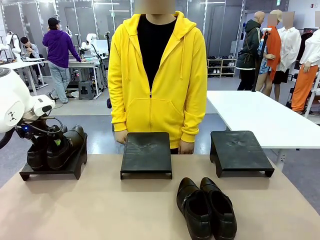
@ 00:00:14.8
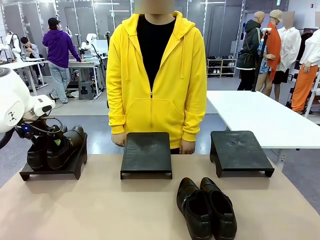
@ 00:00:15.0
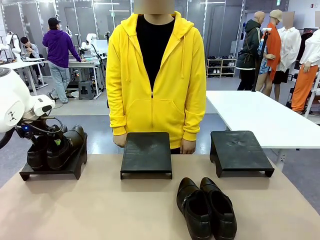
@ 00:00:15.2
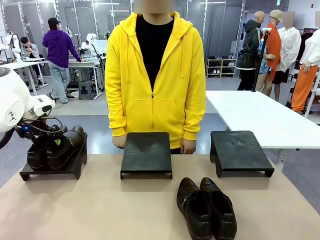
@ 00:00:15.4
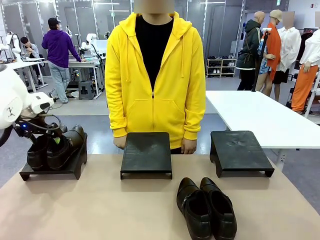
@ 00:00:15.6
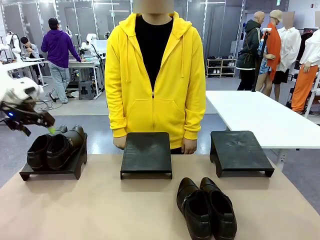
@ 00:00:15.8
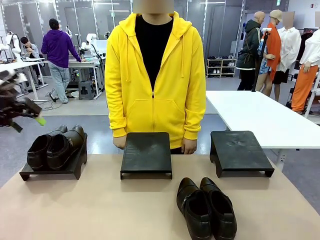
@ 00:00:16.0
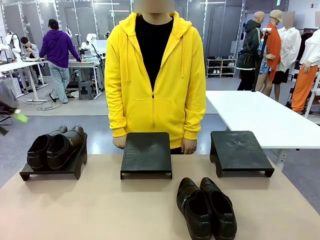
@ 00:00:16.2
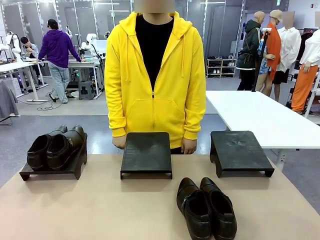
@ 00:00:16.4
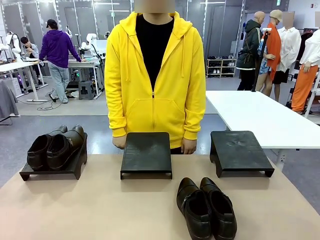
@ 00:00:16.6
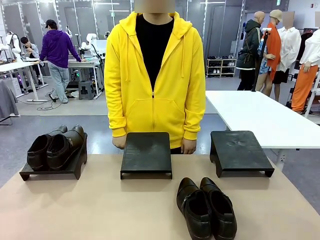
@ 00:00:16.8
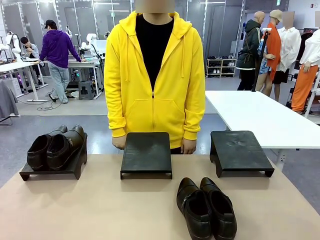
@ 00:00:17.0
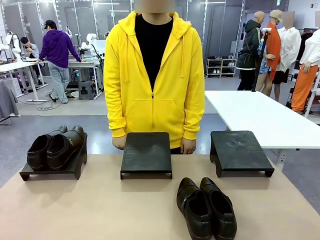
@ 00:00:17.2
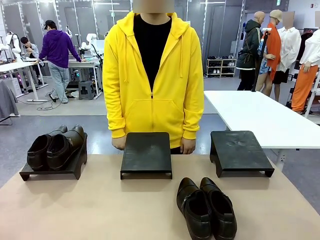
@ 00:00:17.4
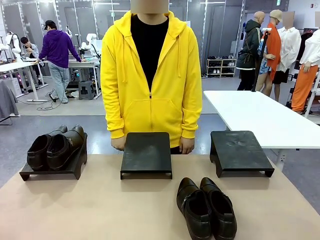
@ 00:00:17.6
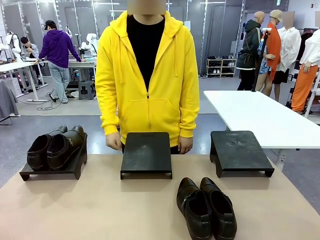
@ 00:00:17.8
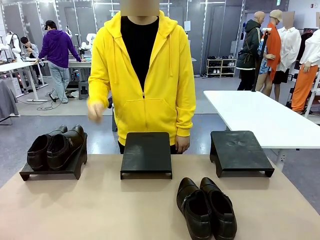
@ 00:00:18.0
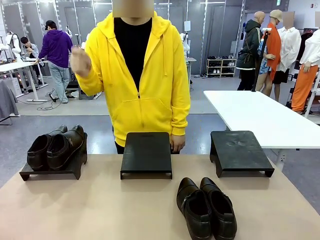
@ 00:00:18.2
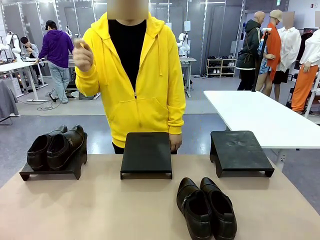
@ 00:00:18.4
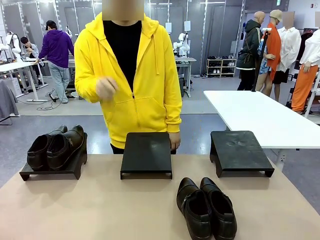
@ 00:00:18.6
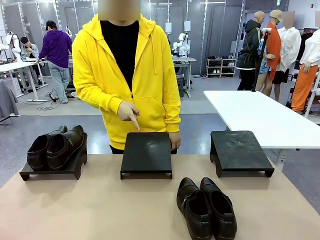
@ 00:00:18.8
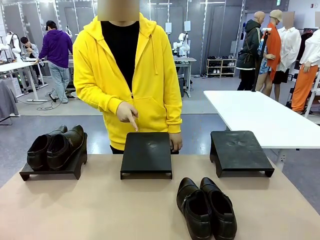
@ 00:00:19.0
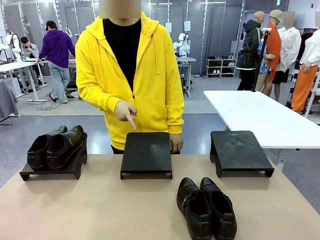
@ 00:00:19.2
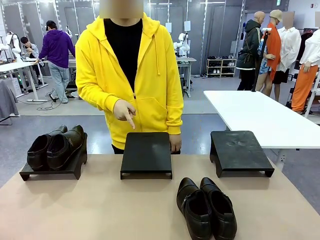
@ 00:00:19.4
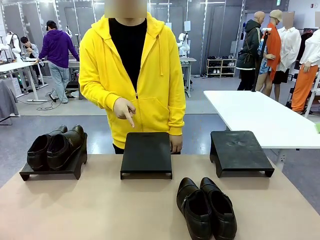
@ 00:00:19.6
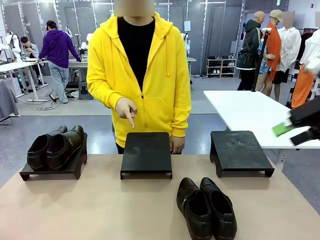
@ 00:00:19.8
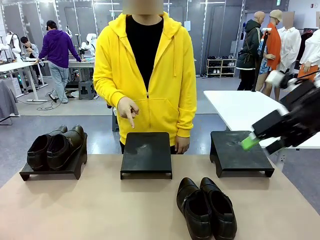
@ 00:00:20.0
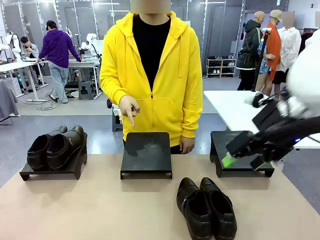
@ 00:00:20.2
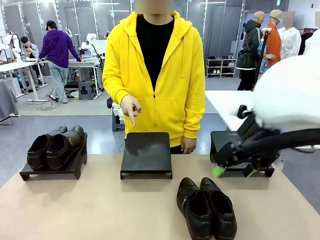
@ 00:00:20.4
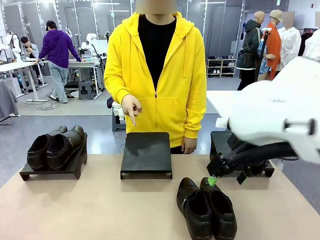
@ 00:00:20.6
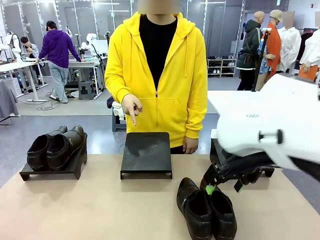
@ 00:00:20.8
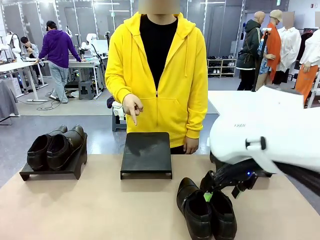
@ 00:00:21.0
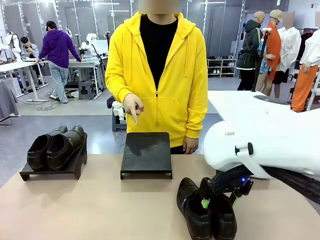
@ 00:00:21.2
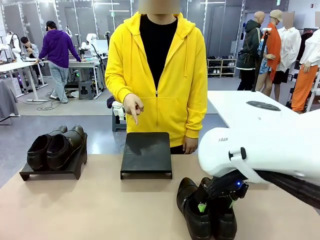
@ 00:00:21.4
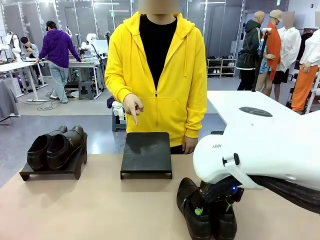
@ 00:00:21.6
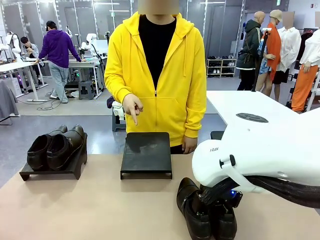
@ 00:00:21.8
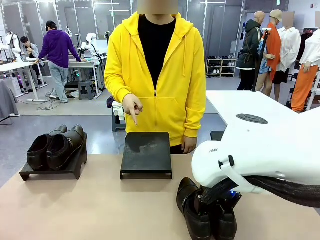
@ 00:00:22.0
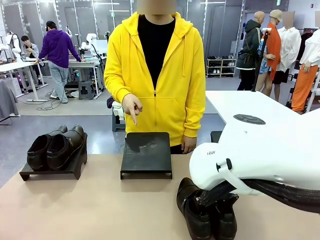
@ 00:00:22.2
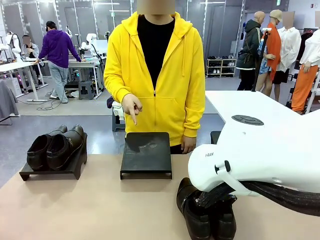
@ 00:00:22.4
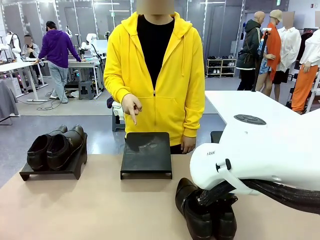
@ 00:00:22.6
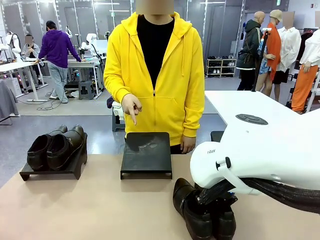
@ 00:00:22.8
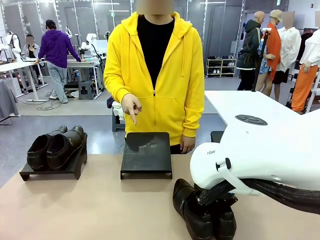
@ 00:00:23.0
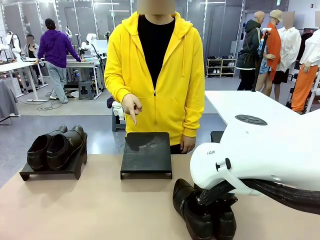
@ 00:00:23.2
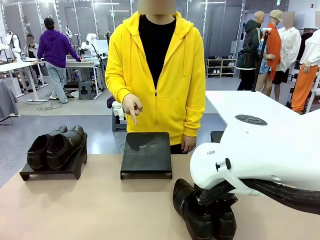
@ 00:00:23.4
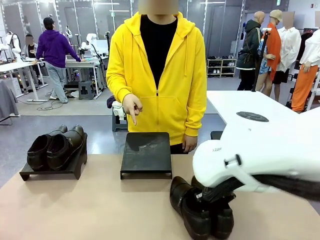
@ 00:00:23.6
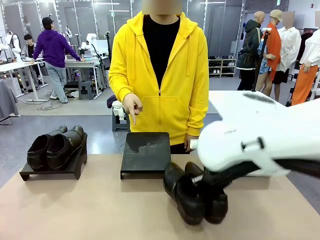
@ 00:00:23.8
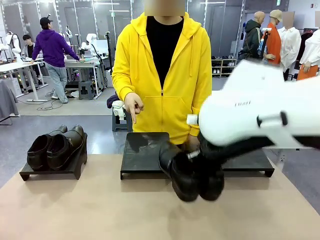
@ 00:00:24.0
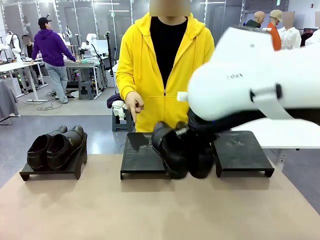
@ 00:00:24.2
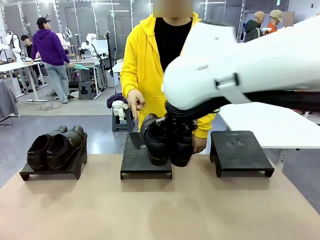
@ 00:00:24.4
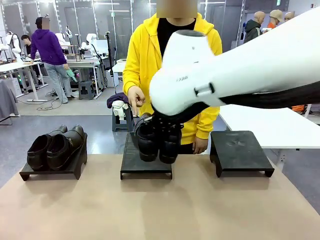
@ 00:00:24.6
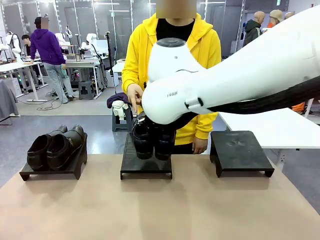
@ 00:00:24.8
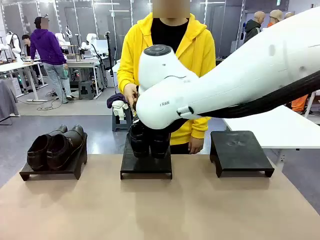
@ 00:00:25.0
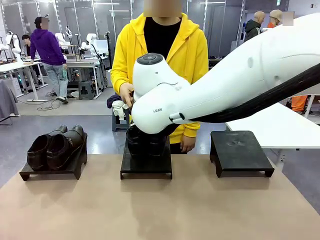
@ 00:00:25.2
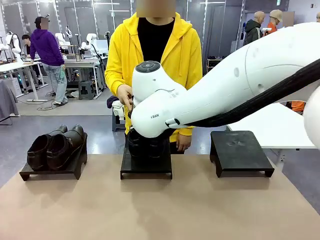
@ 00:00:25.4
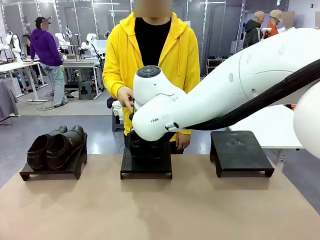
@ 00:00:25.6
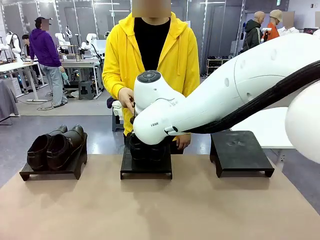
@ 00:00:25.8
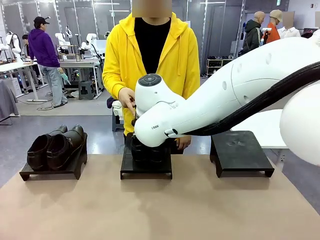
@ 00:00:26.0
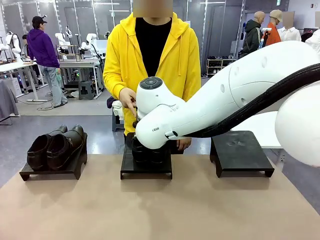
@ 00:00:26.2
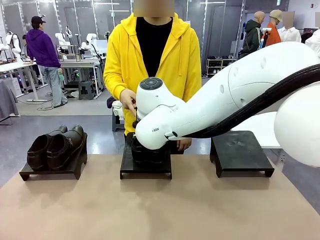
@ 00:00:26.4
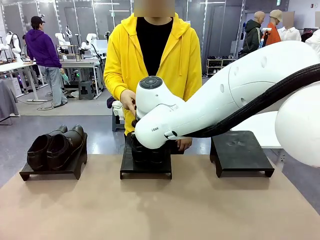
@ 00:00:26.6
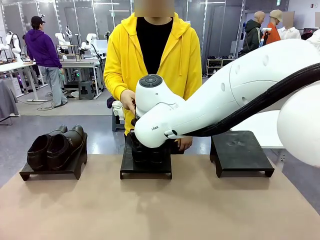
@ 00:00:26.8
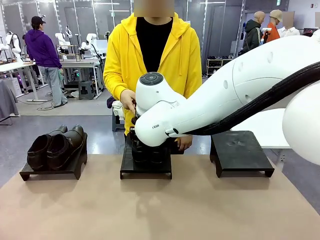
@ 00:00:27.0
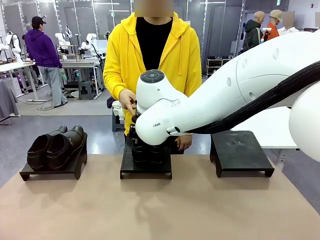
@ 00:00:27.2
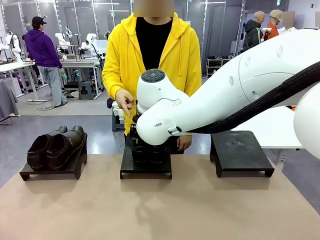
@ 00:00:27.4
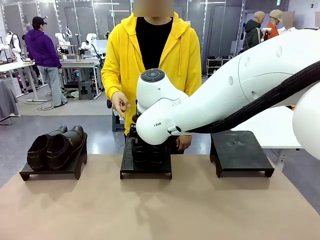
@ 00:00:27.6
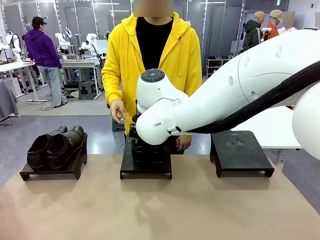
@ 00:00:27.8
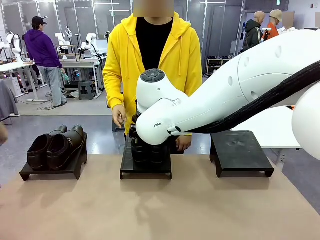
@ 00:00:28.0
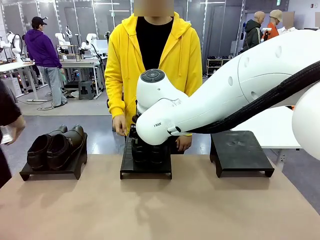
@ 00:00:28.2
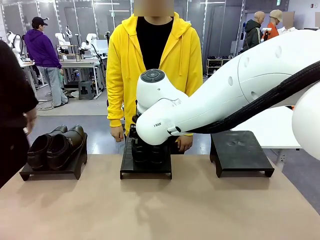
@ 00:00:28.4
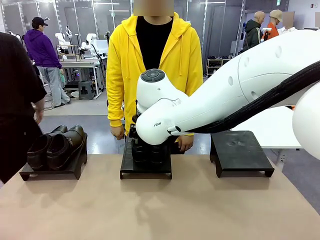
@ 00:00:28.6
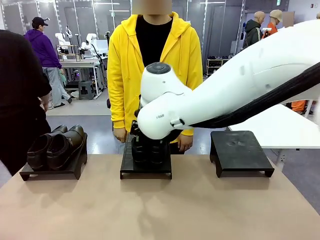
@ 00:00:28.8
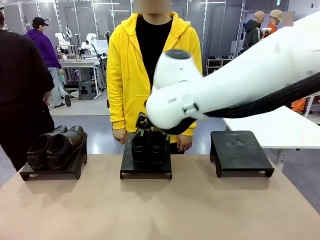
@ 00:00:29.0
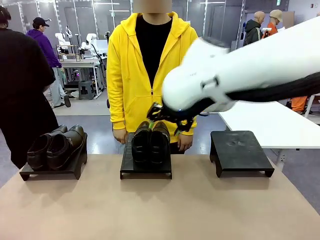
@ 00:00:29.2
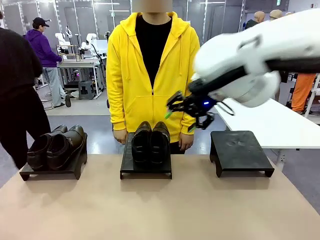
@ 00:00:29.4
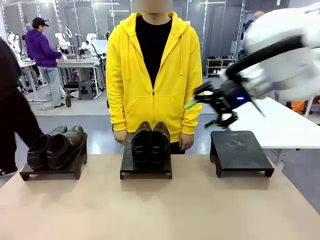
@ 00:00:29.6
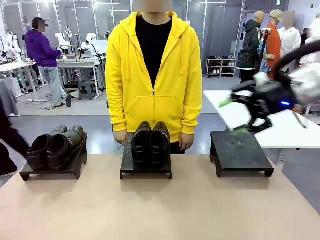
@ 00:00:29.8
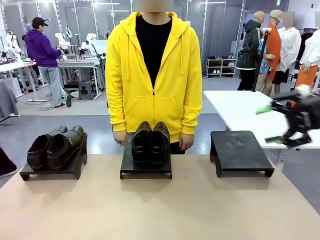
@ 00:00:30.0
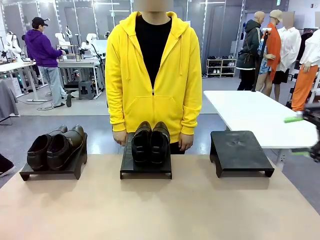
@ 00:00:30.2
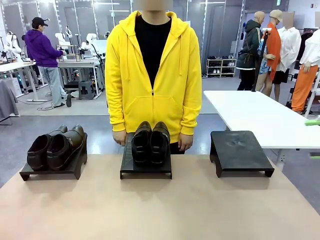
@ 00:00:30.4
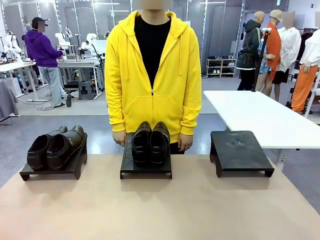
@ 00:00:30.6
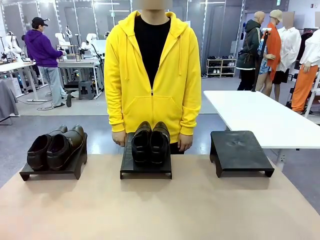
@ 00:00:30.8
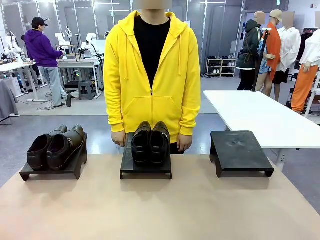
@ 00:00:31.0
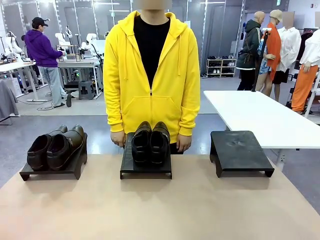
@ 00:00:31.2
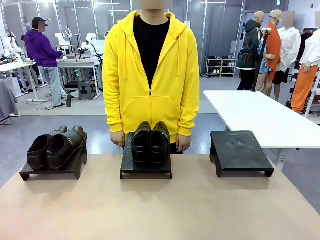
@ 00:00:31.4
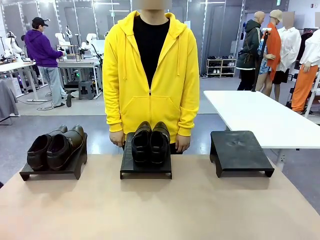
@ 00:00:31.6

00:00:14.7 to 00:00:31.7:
Task: Place the shoes on the stand as instructed by the person.
Robot: Pick up another pair of Shoes and place it on the Shoes Stand indicated by the person.
Person: Point to one Shoes Stand.
